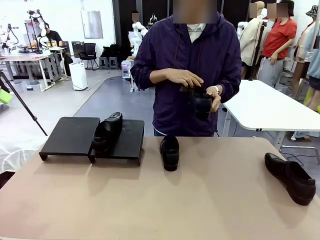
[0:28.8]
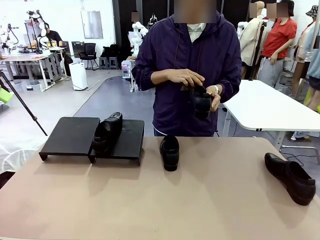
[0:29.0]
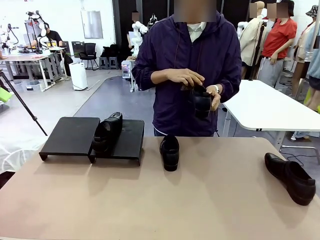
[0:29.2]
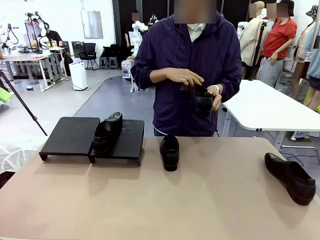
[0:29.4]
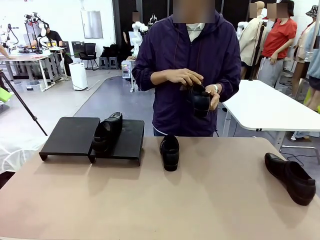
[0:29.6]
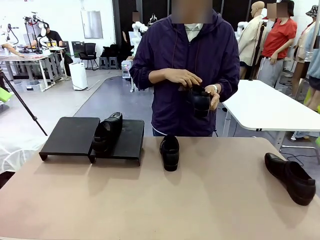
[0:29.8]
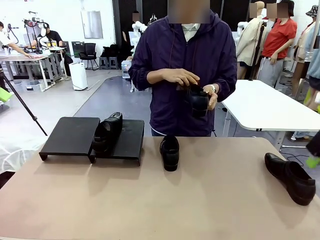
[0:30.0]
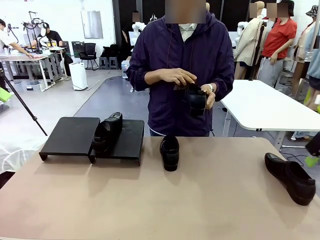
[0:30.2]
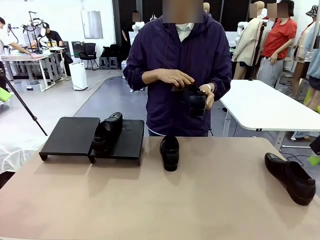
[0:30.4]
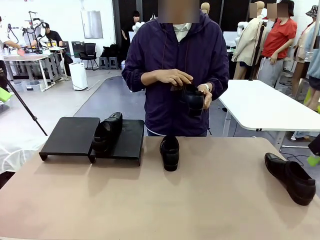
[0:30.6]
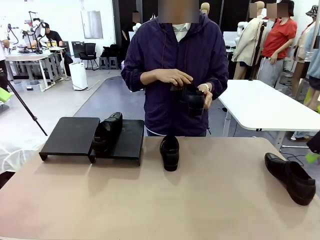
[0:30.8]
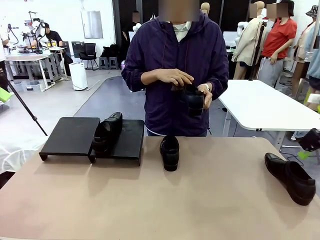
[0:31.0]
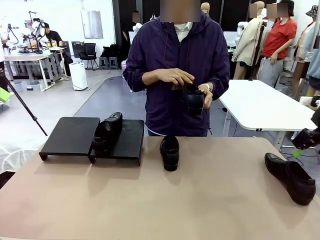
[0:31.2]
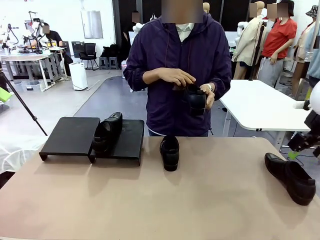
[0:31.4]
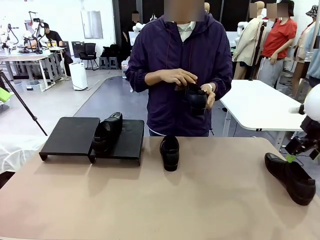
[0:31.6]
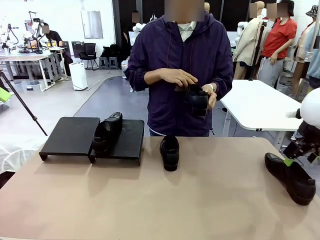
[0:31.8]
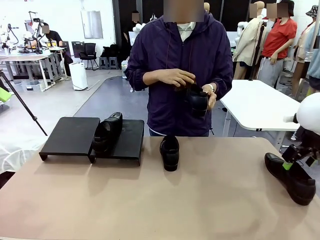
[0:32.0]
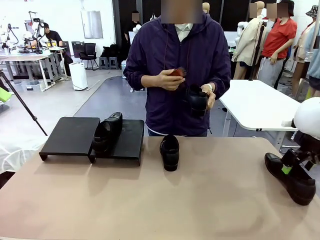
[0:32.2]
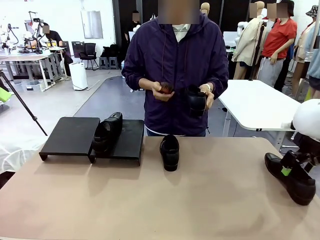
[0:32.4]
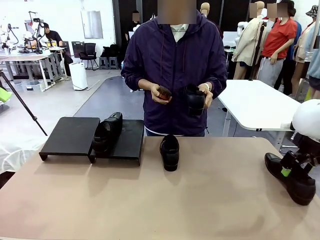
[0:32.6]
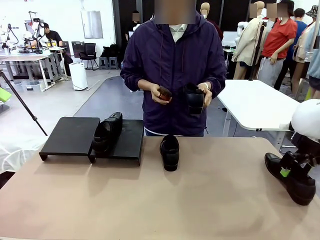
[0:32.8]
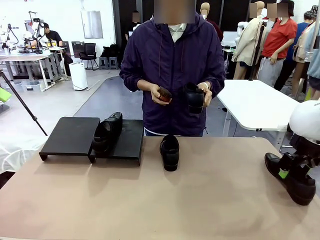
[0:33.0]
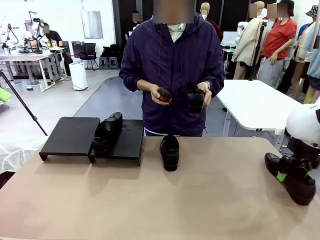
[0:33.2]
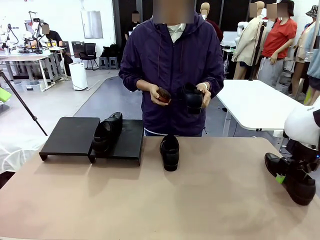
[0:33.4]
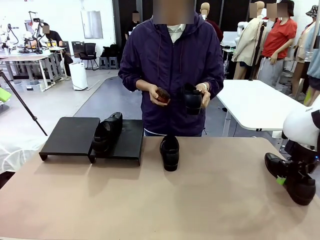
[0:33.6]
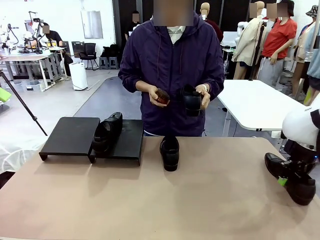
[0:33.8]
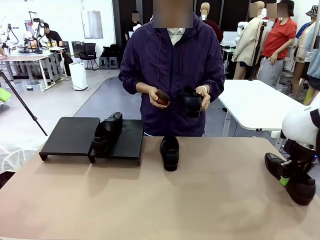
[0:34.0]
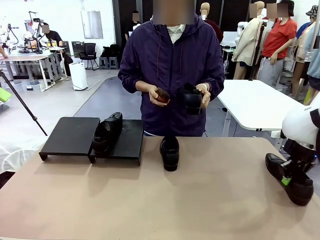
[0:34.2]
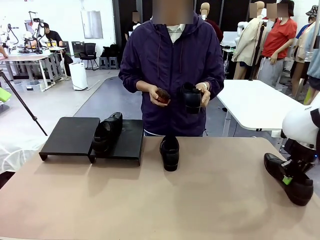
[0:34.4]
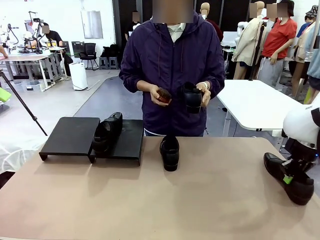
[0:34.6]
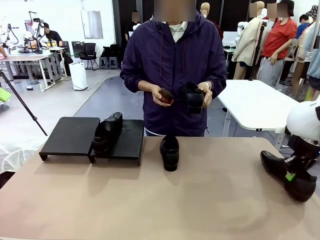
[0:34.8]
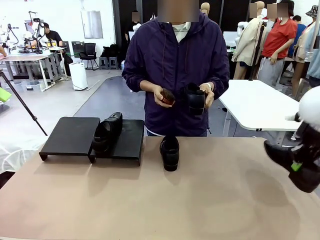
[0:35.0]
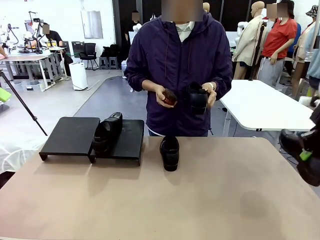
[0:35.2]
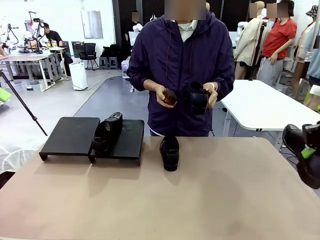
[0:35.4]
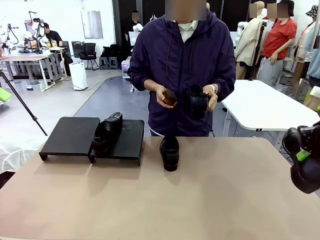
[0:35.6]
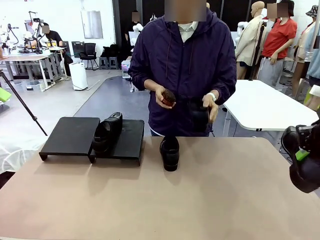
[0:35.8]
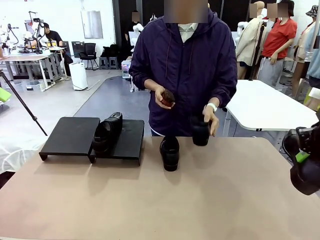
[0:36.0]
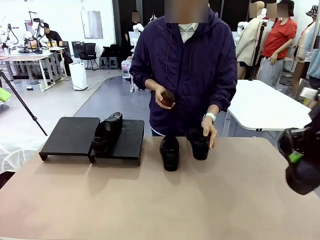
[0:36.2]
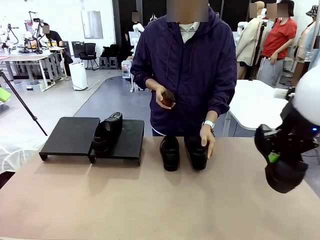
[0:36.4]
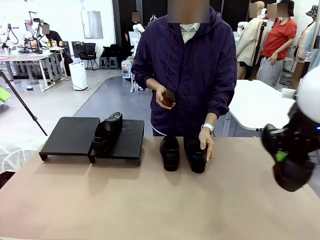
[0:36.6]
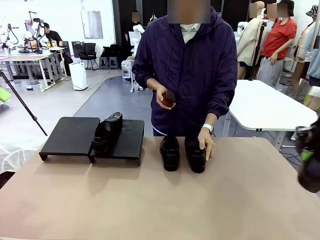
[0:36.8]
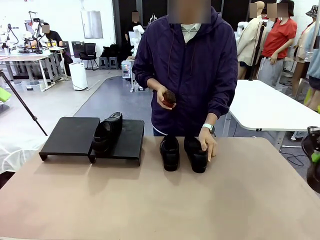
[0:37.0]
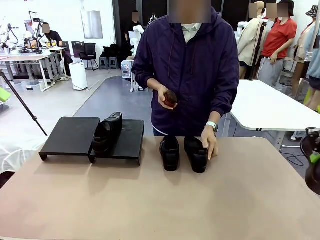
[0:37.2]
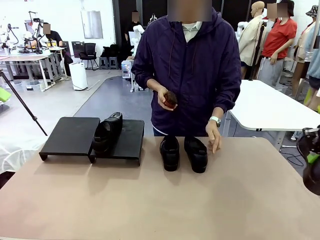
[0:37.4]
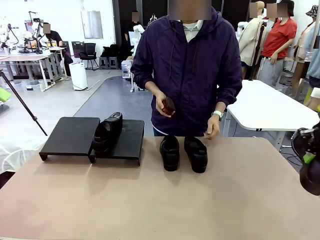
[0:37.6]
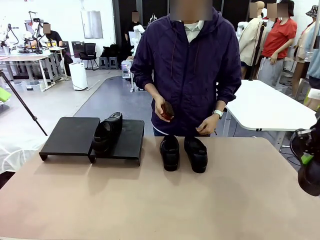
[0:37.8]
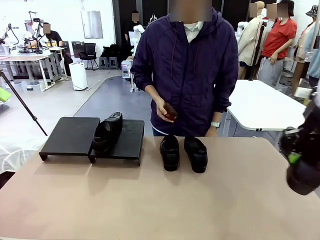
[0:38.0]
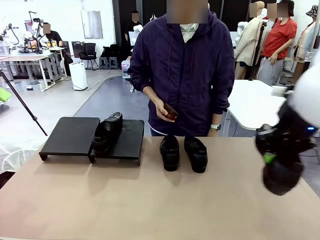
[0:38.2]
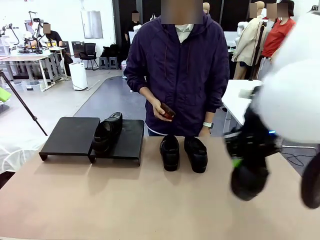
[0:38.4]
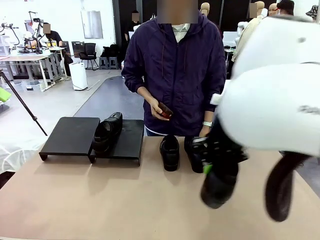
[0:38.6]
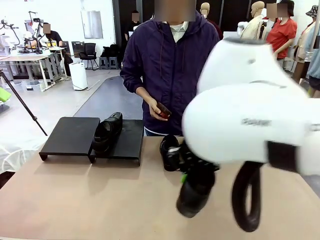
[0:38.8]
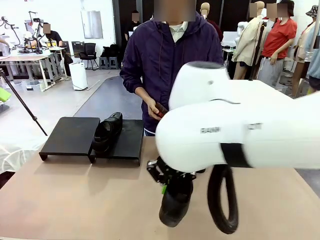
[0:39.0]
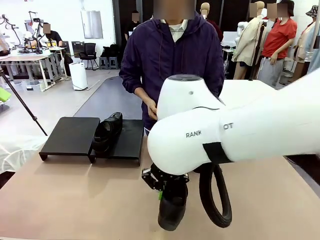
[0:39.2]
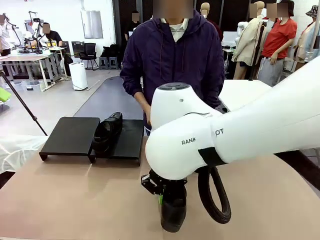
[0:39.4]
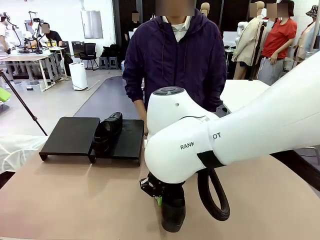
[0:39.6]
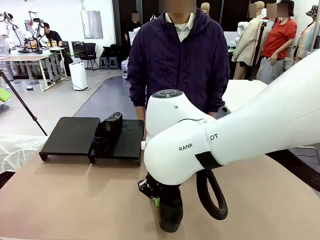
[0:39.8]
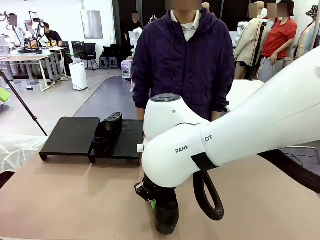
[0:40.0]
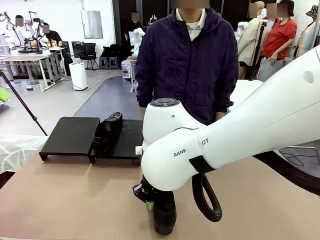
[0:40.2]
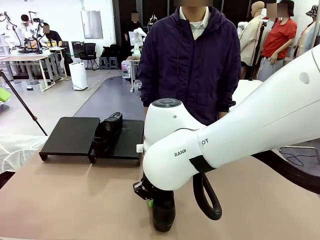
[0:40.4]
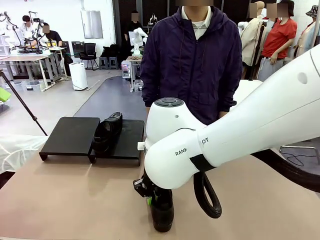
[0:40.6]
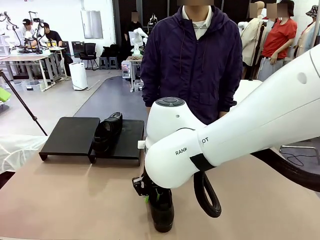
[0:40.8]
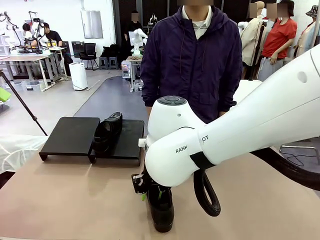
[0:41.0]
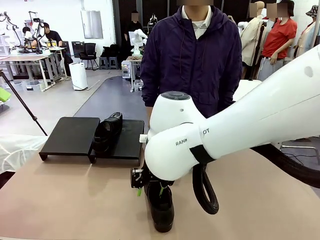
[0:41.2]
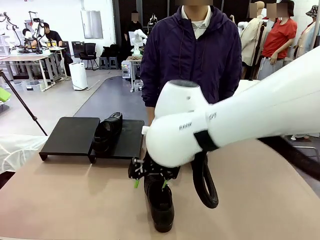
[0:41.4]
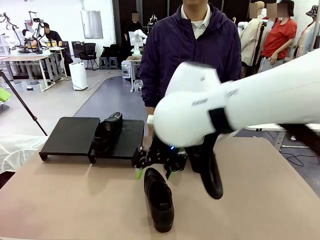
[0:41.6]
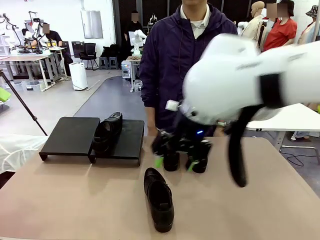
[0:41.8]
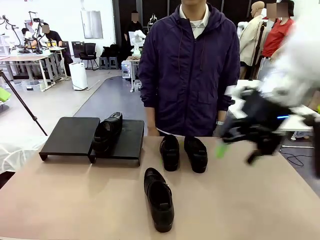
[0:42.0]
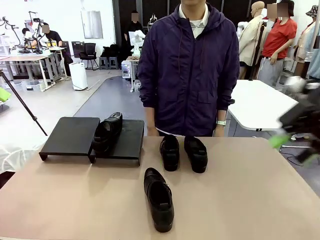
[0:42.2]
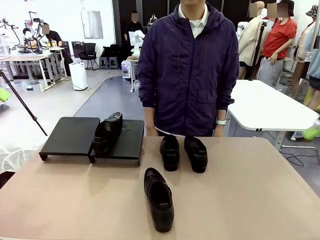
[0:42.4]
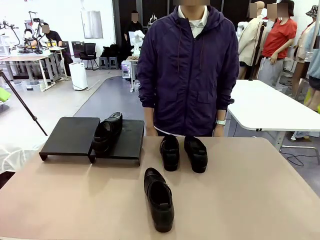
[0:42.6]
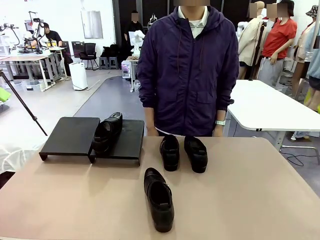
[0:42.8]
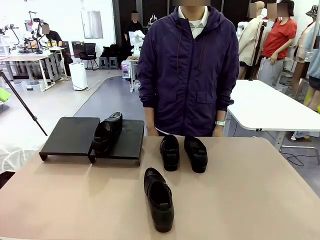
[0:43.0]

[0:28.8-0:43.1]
Task: Organize the shoes by placing them on the stand.
Robot: Pick up one Shoe and place it in the middle of the table.
